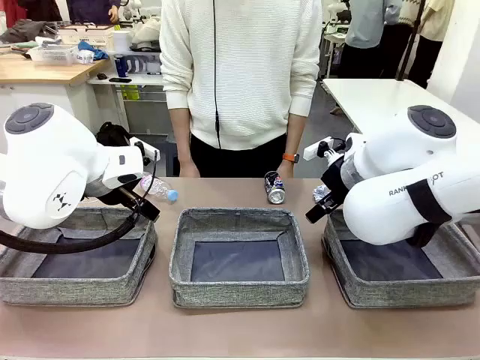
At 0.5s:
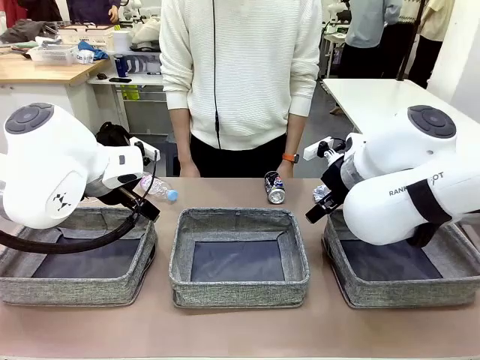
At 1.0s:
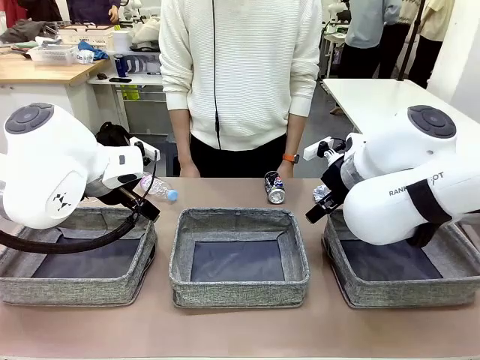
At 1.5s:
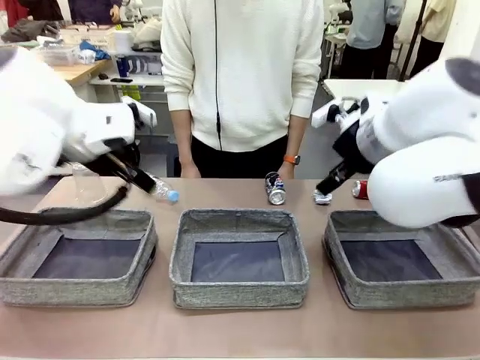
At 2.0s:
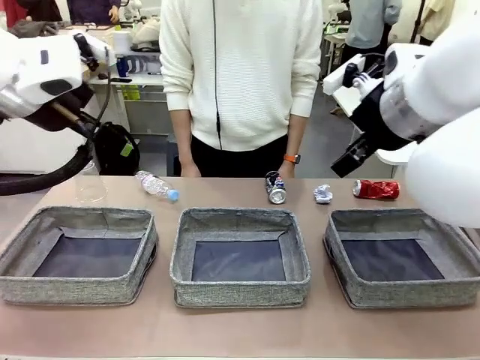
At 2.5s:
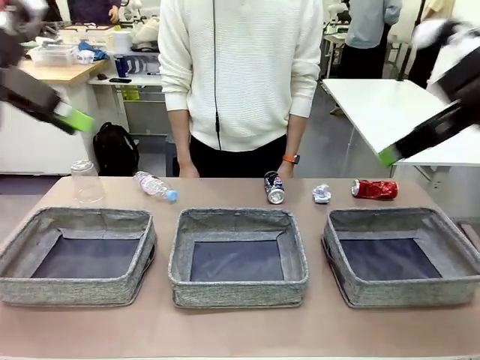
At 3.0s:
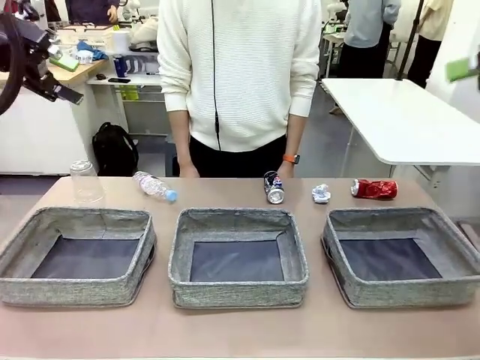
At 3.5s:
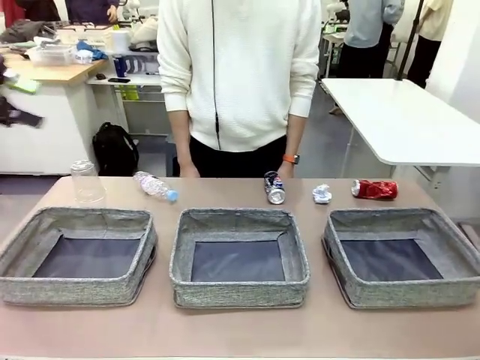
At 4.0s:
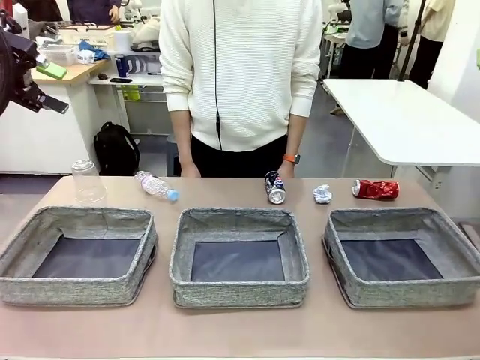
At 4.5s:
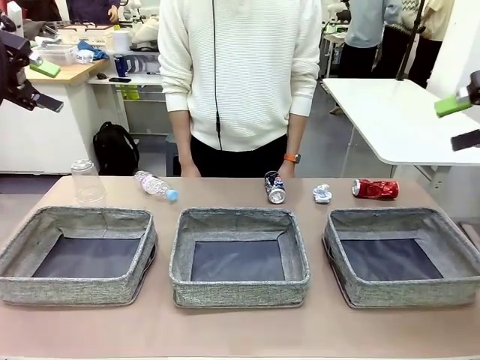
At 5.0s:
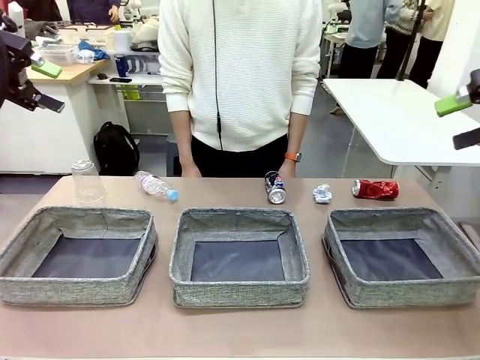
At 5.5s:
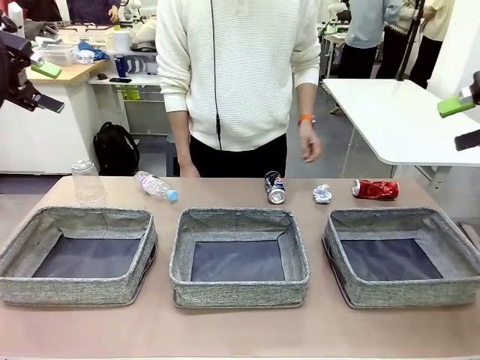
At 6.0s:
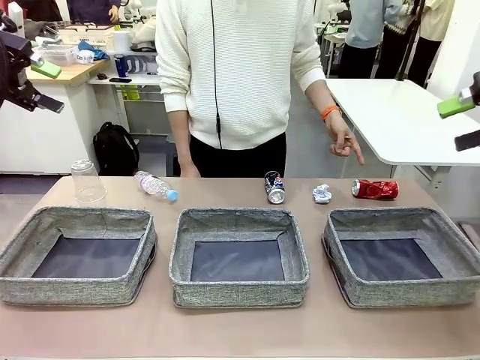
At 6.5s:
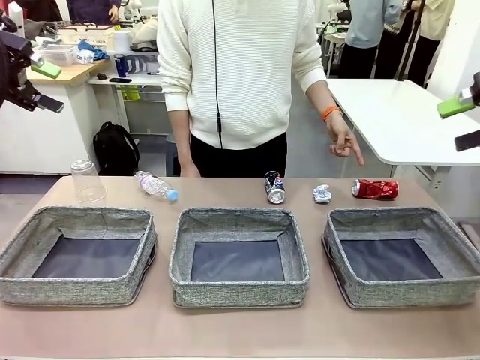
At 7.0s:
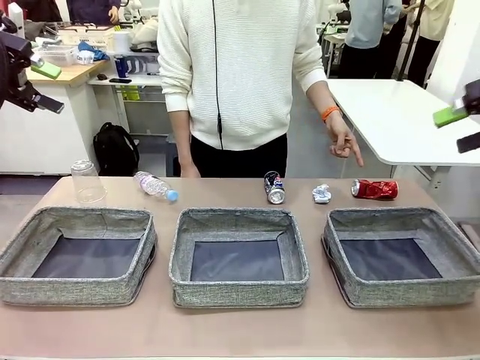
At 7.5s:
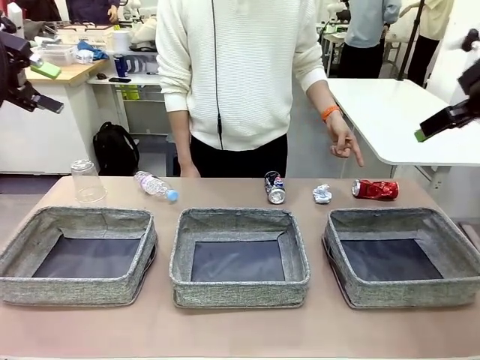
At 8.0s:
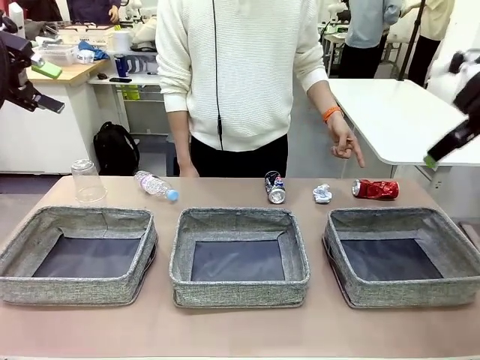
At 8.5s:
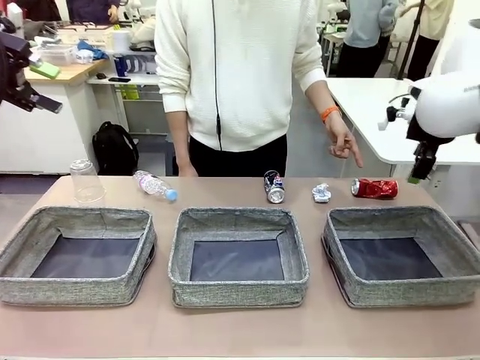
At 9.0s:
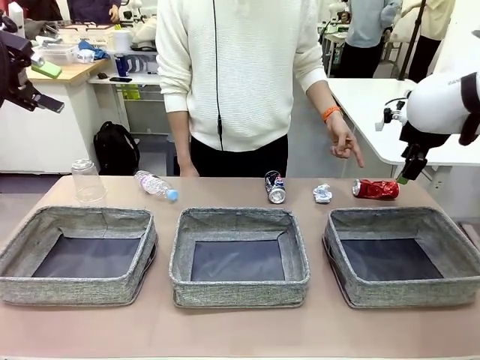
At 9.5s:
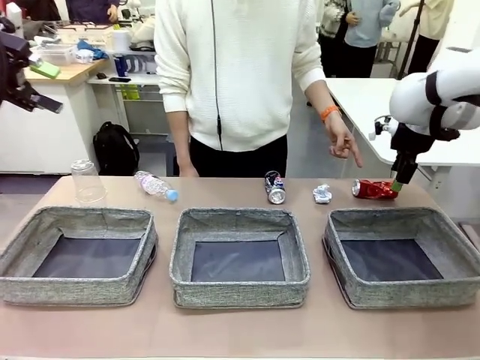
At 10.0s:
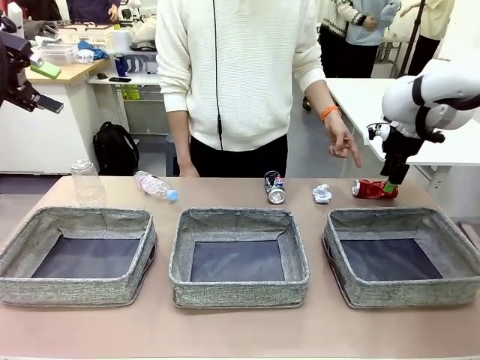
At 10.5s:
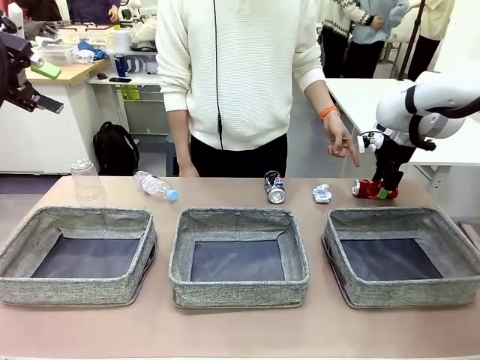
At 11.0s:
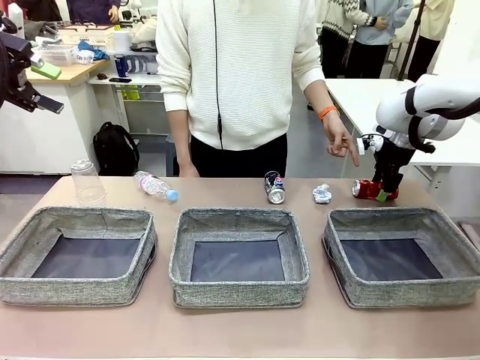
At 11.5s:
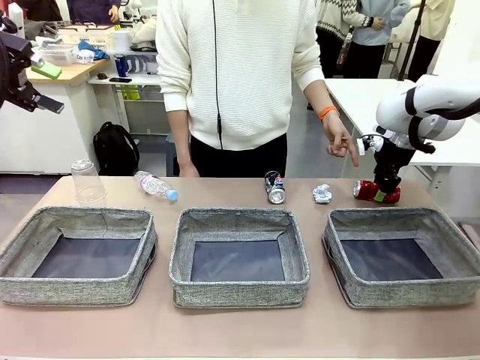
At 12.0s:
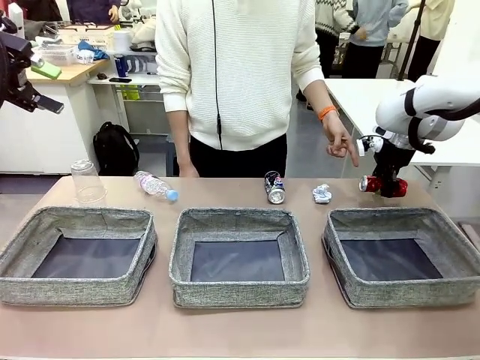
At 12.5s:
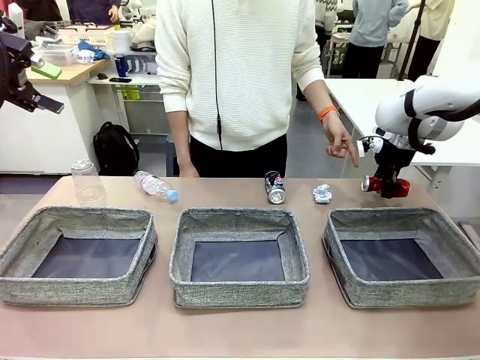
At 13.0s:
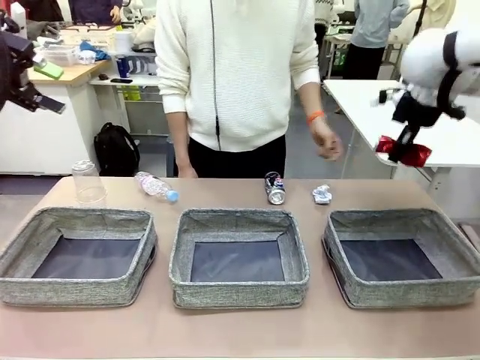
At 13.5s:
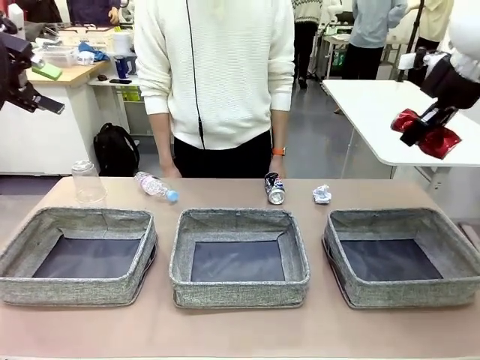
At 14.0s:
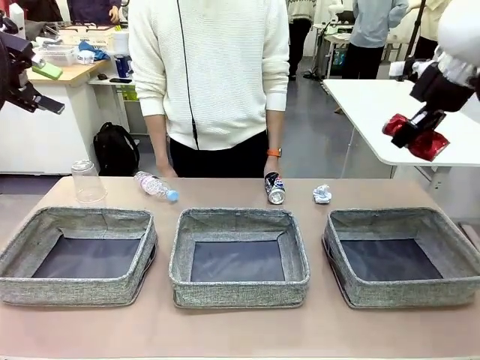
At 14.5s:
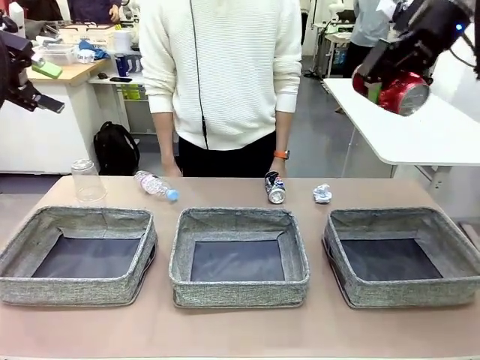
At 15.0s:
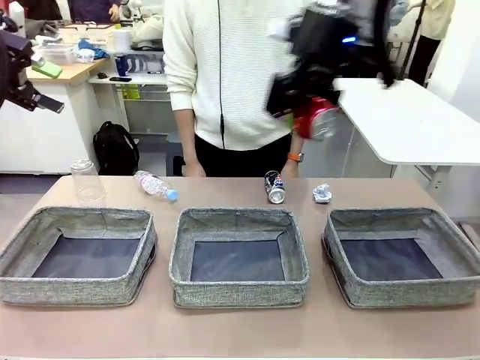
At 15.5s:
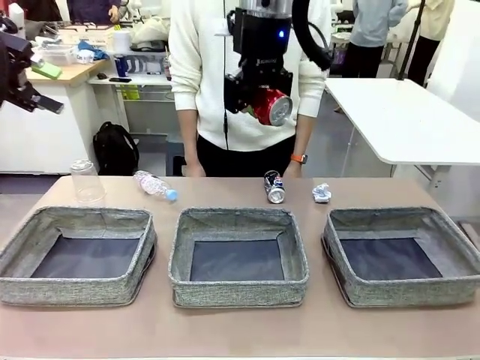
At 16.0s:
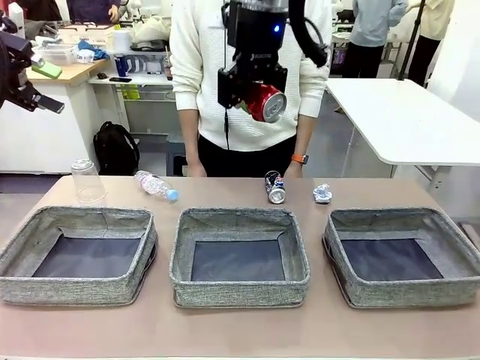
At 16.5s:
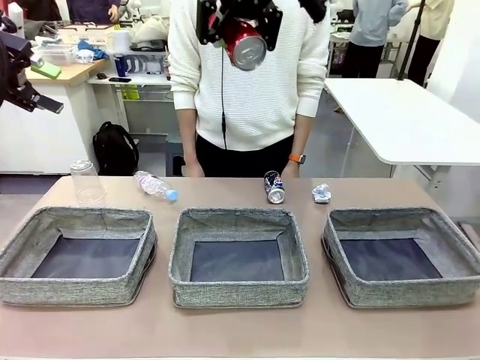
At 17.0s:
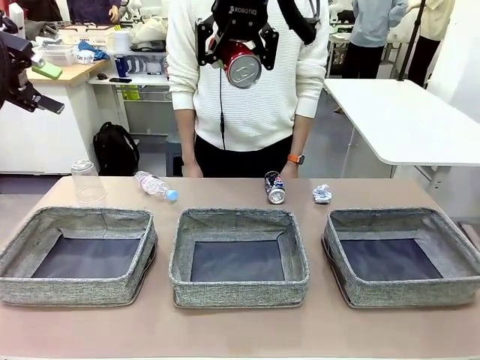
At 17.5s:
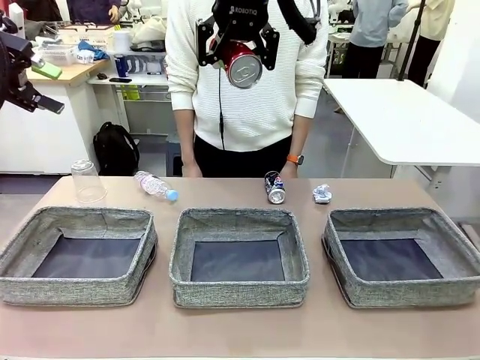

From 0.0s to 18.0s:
Task: Sort the waste into the appropriate baskets.
Robot: Pick up the waste item pointed out by the person.
Person: Points to one piece of trash on the table.

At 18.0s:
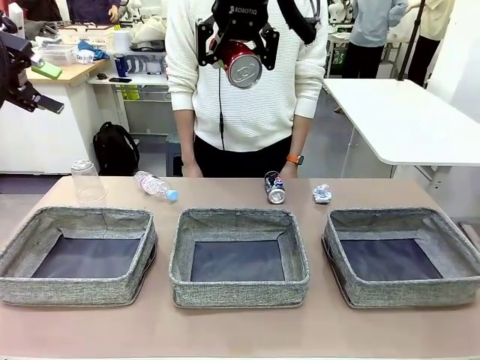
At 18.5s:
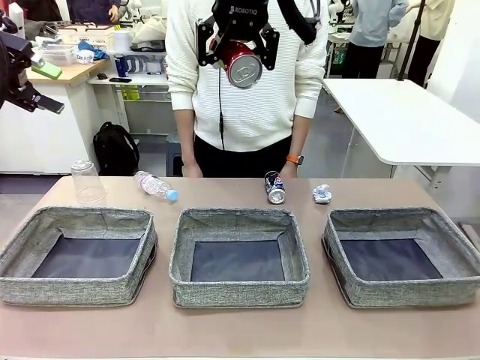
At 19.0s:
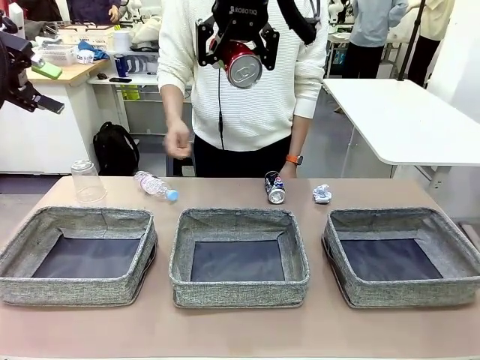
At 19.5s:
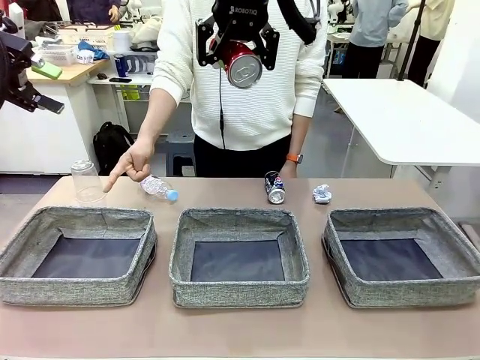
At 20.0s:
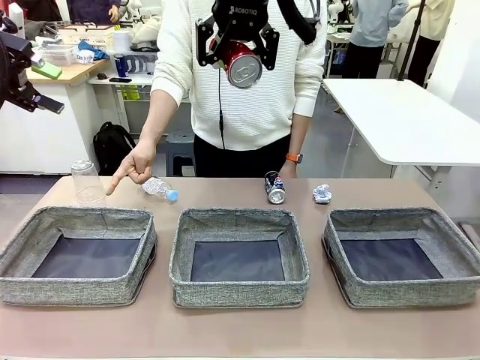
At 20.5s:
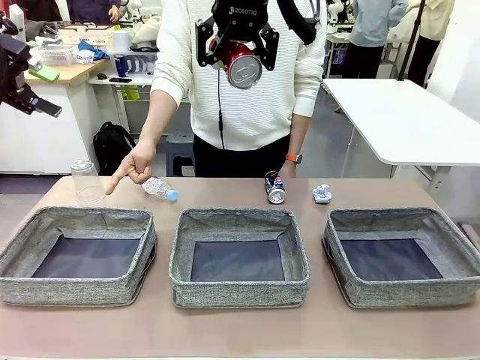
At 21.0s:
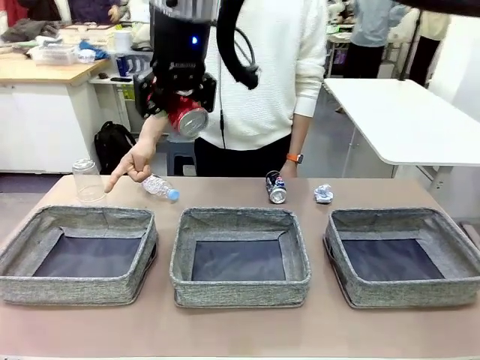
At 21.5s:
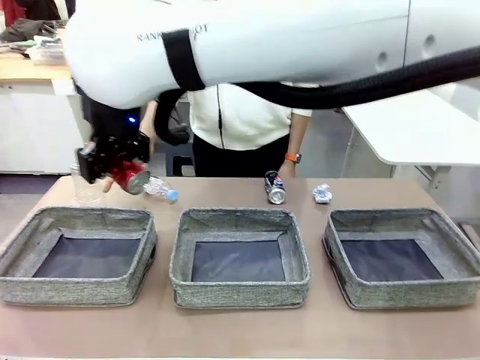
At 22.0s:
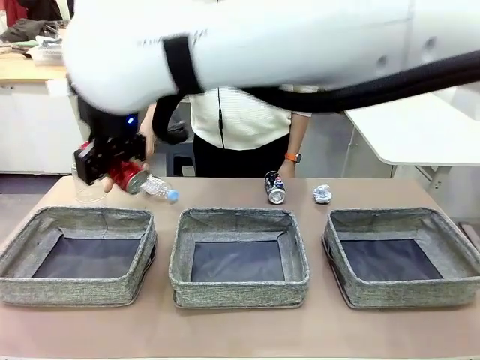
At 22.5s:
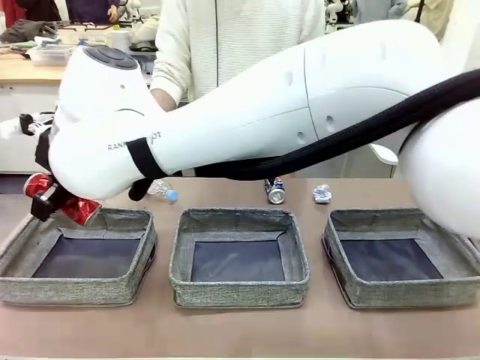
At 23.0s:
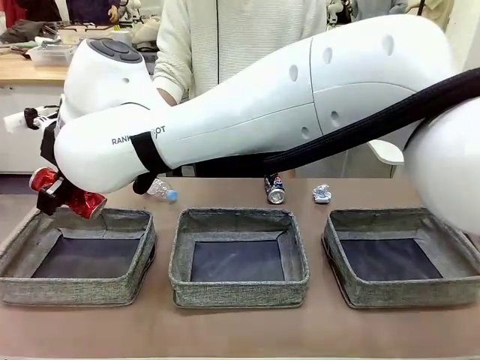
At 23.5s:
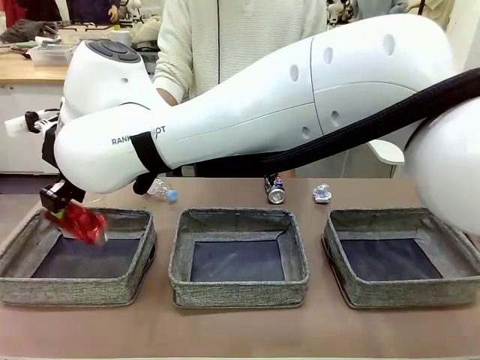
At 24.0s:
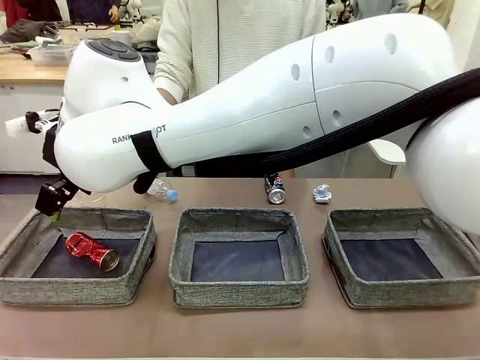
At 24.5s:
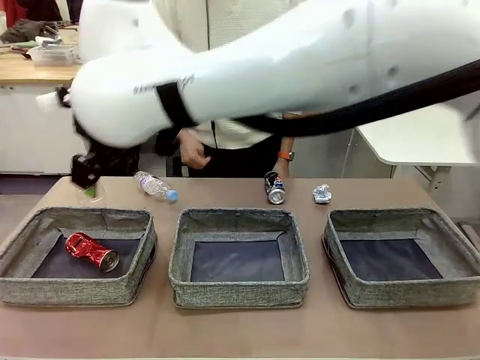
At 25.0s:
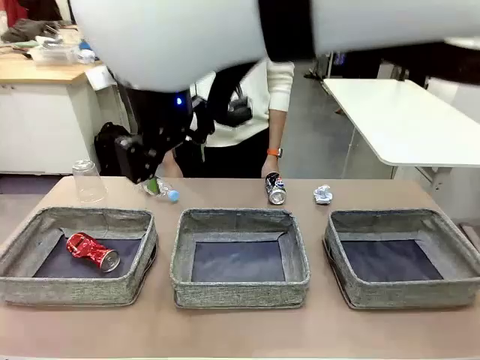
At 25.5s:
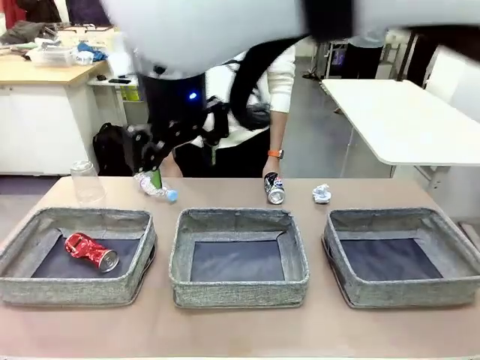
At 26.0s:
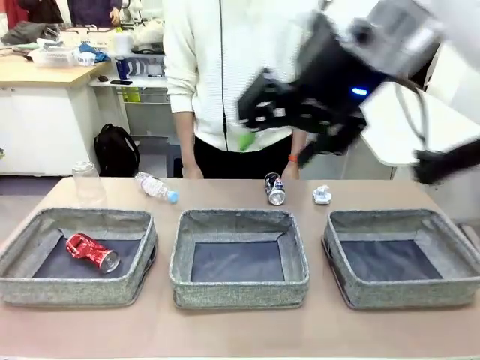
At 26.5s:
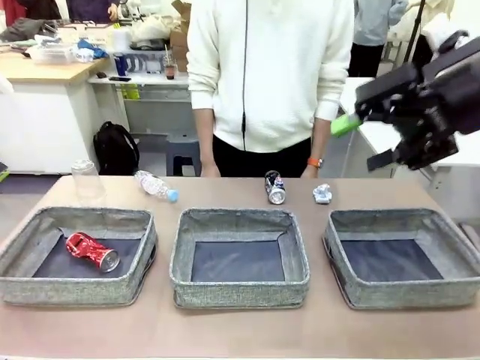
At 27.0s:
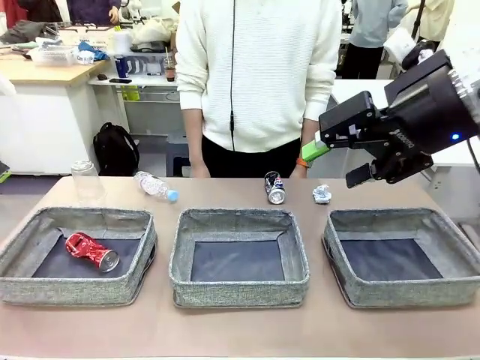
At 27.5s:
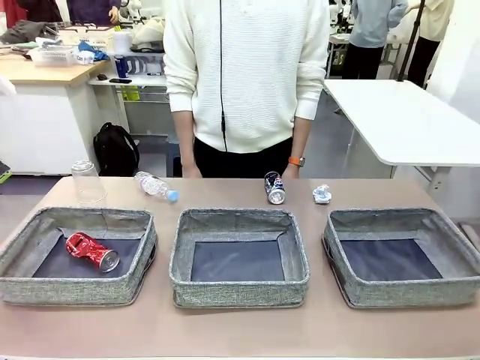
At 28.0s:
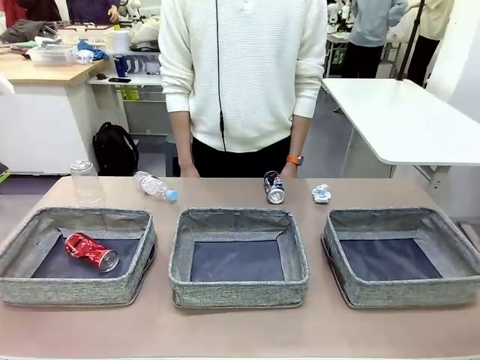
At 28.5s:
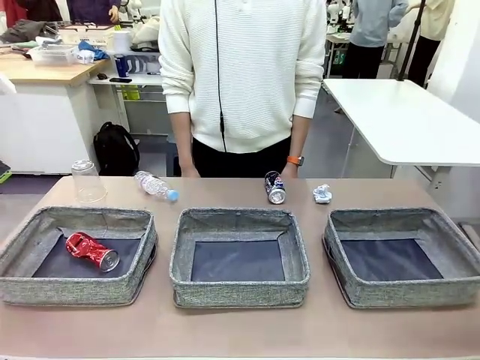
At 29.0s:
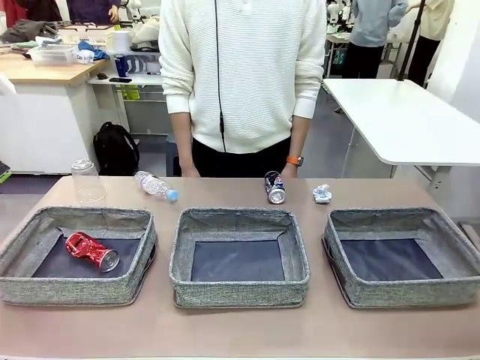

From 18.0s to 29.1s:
Robot: Place the picked waste into the Fabric basket indicated by the person.
Person: Instructs the robot to place the picked-up trash into the appropriate organizing basket.
